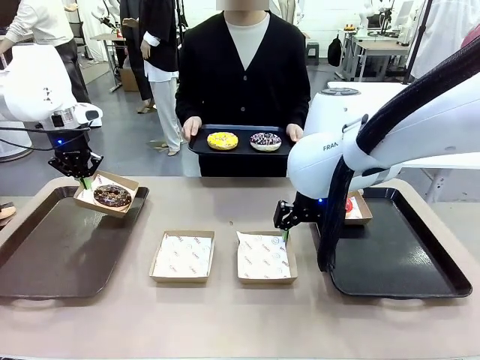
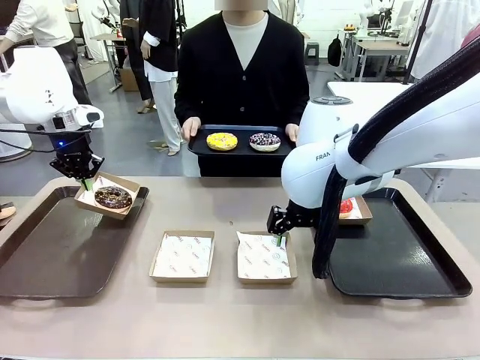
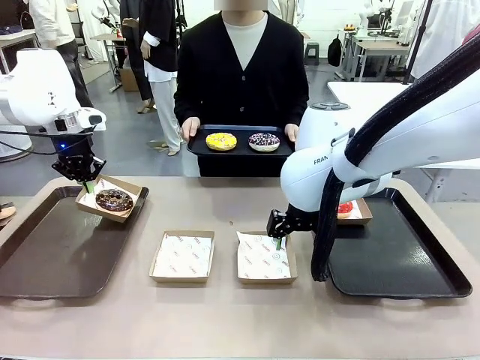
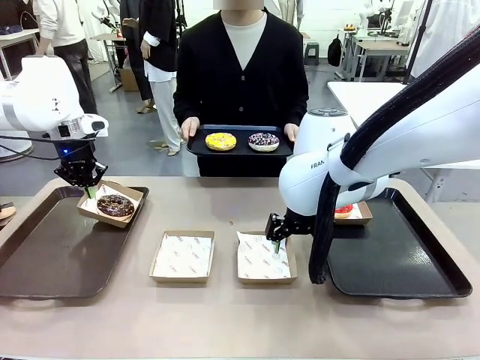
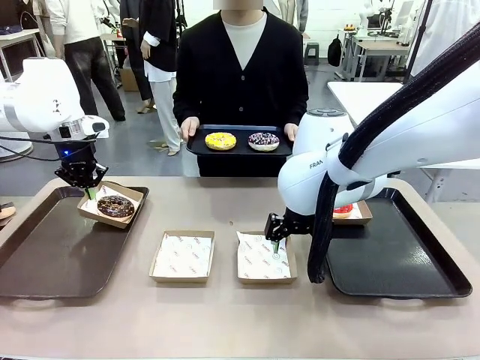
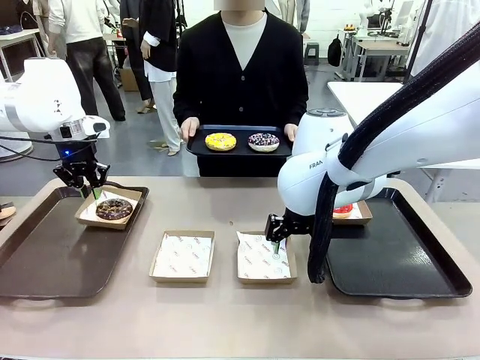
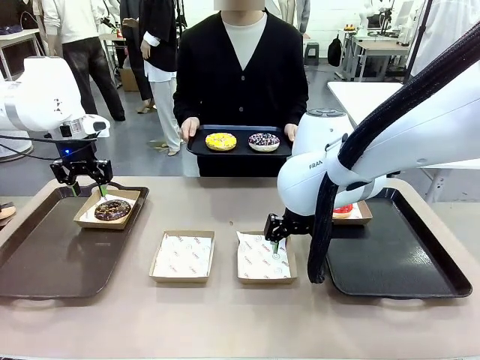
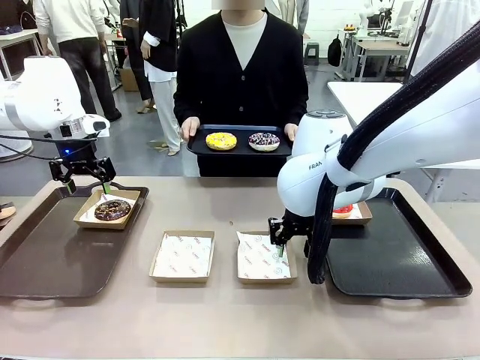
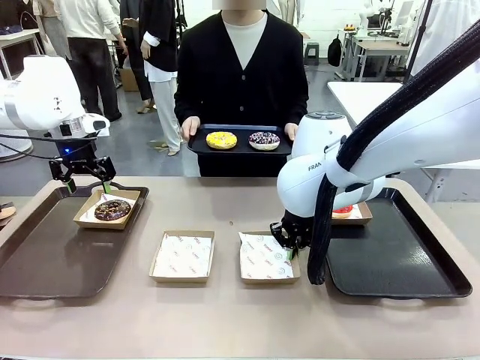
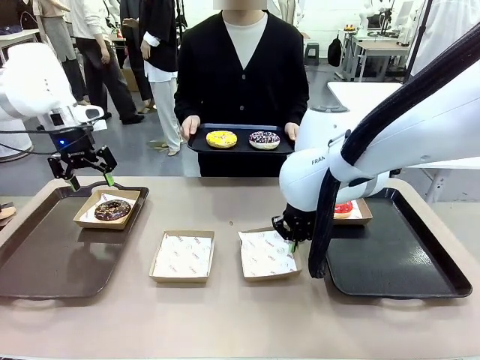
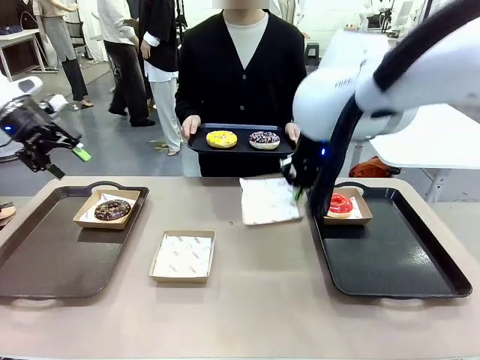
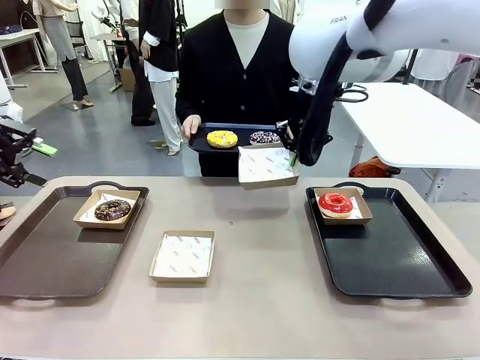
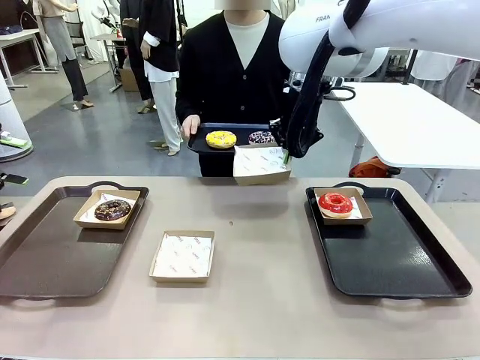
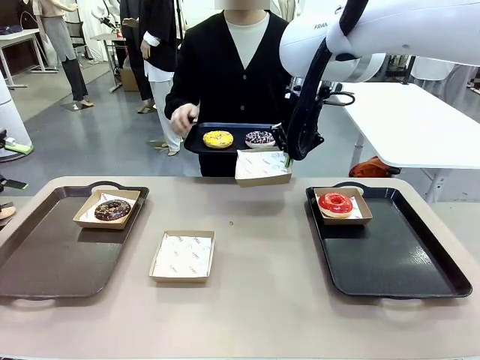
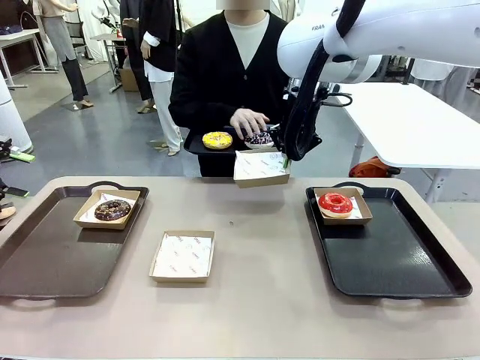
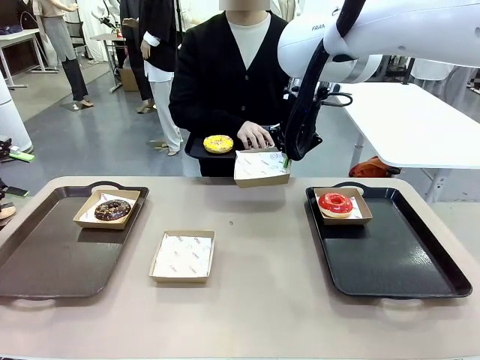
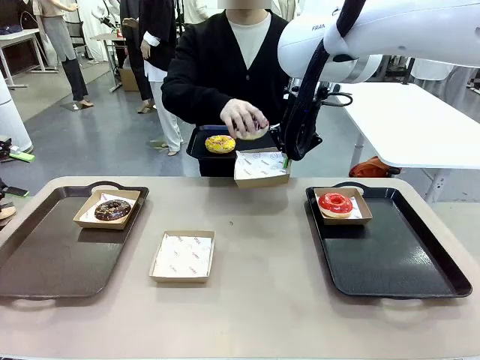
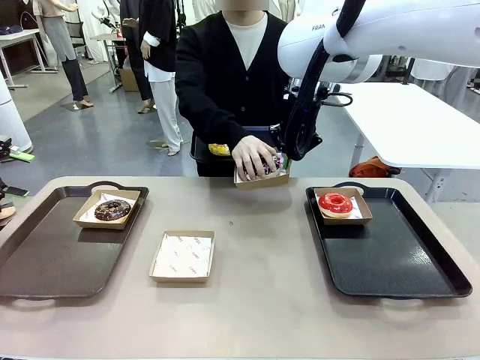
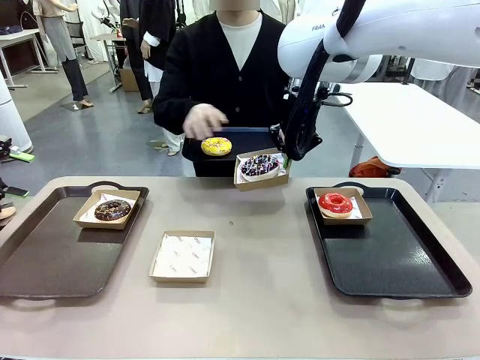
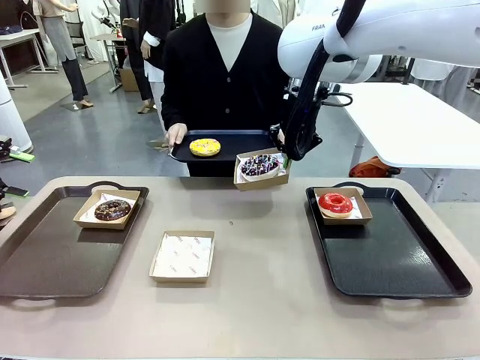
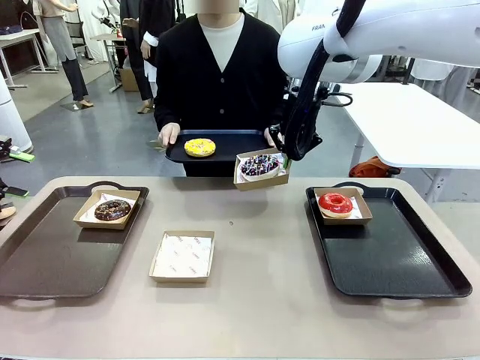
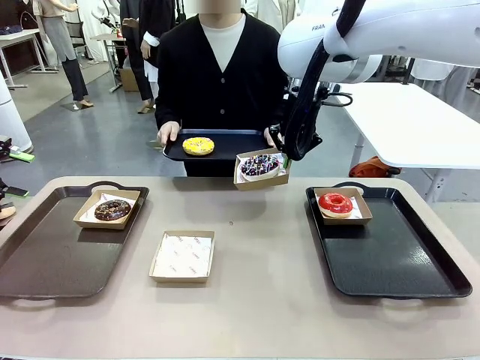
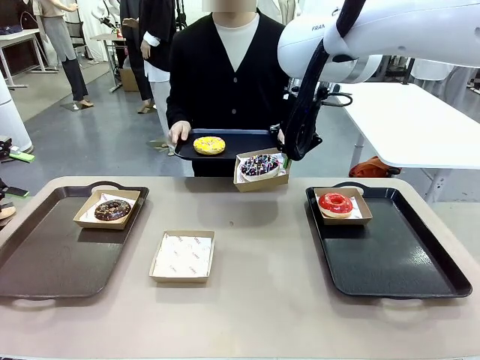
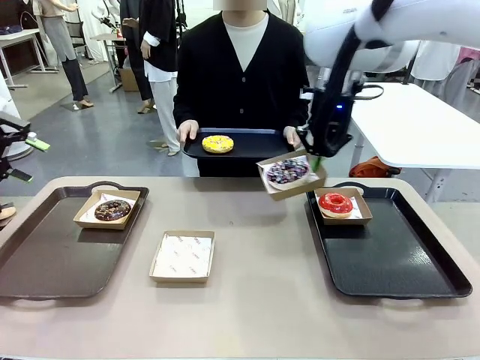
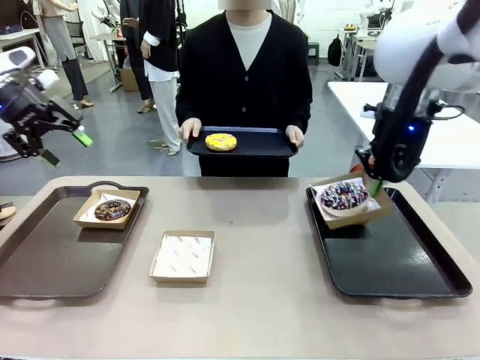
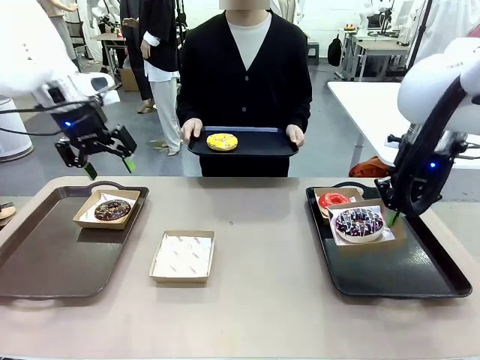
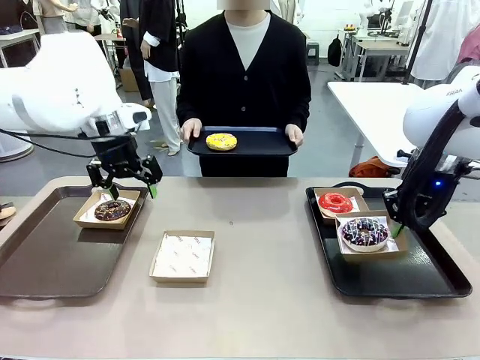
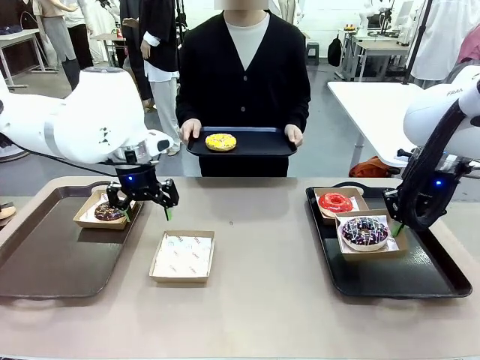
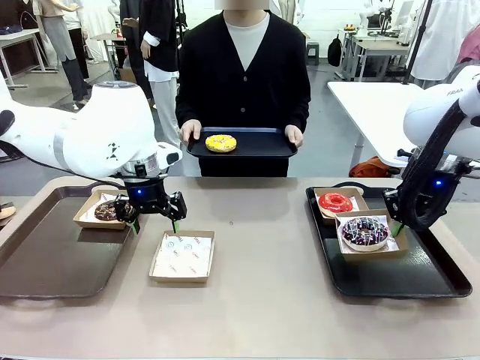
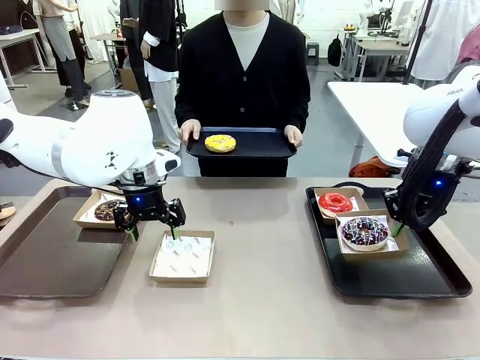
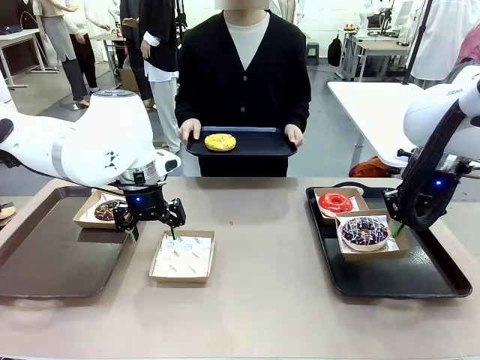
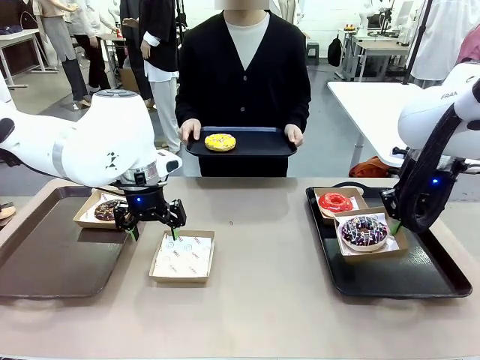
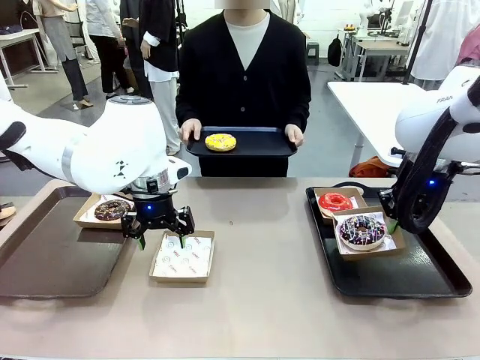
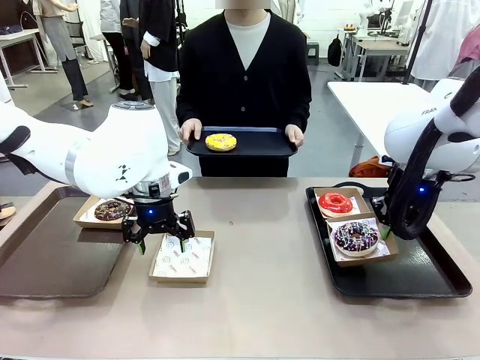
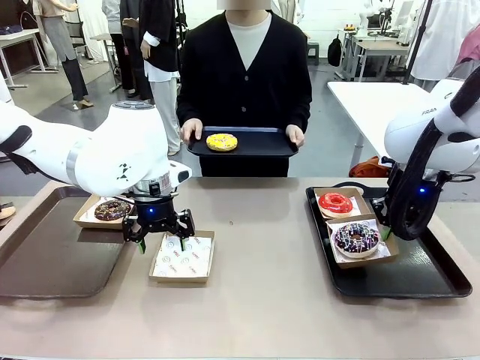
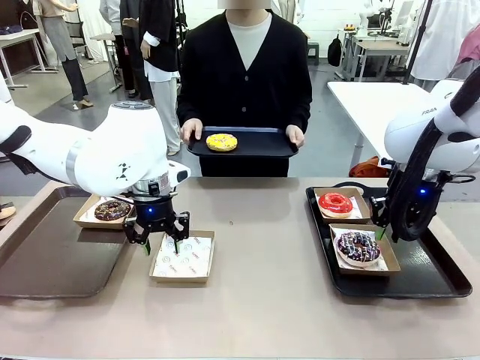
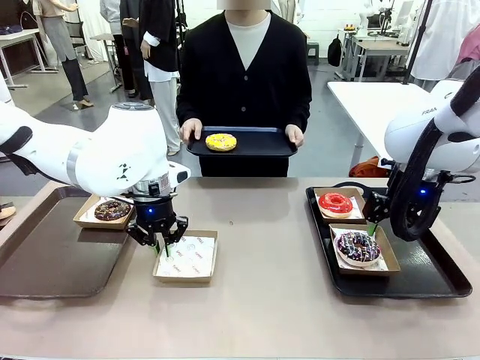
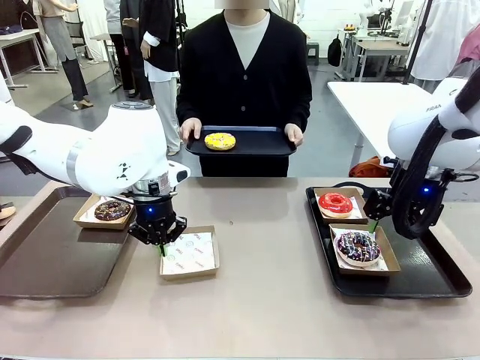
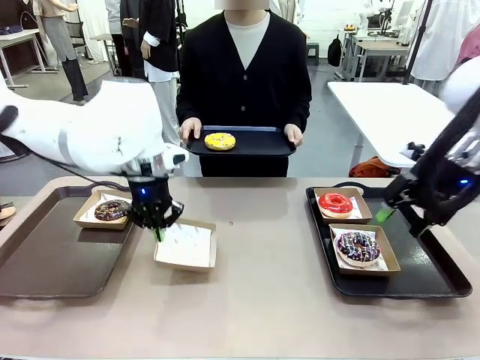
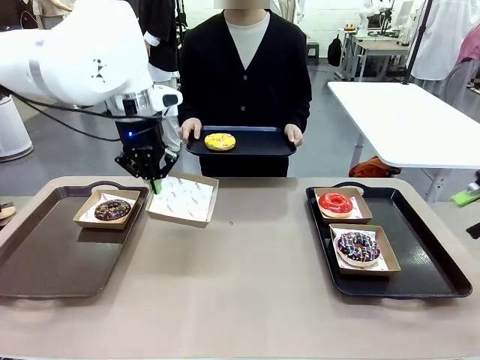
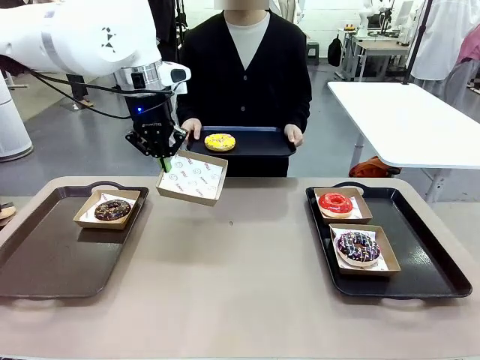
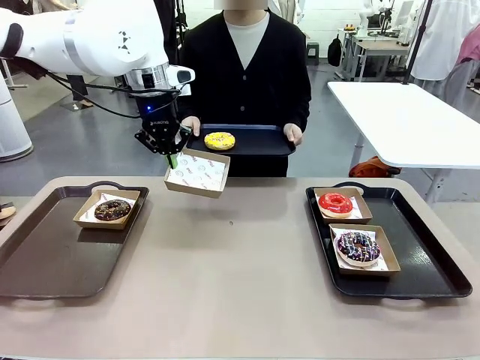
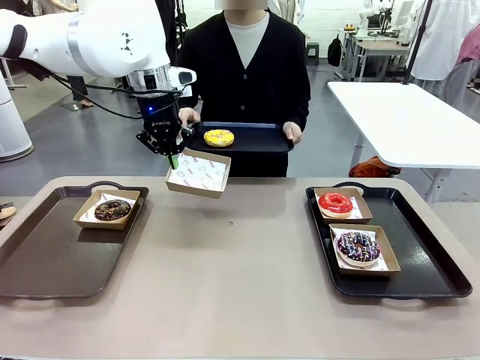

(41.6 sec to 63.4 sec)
Task: Individually package the donuts and arrange them on the tray.
Robot: Place the picked Paper togo box on the Handle tray while simultaneously picking up another Paper togo box from the table with the other hand.
